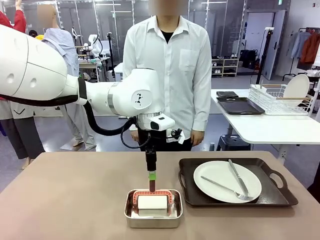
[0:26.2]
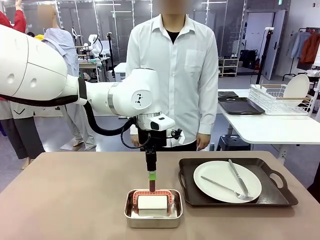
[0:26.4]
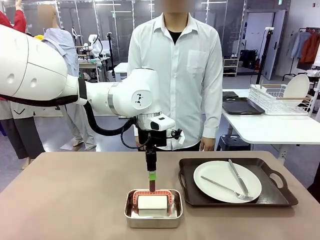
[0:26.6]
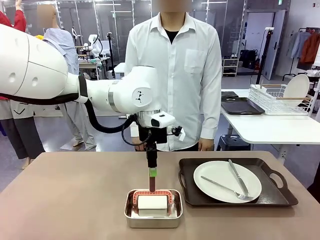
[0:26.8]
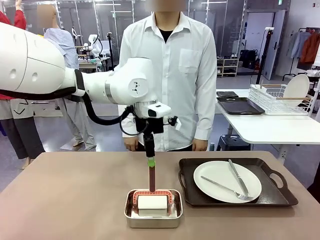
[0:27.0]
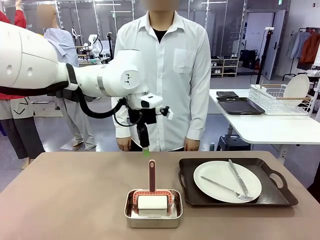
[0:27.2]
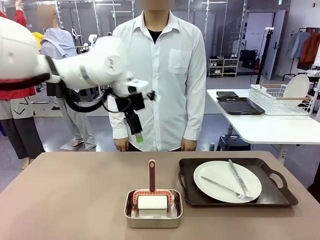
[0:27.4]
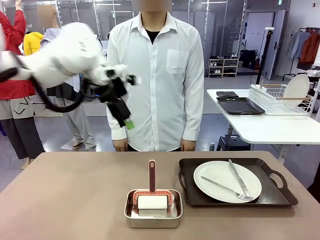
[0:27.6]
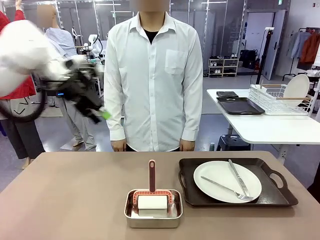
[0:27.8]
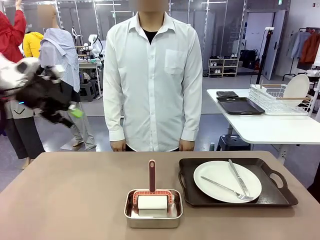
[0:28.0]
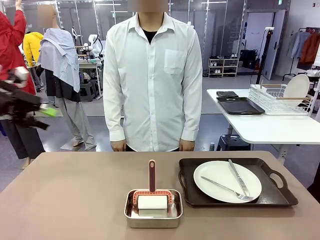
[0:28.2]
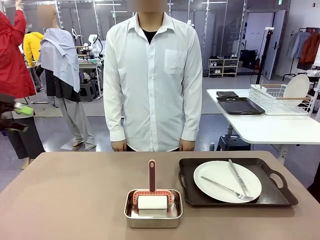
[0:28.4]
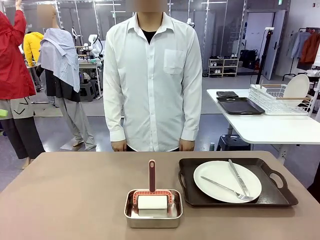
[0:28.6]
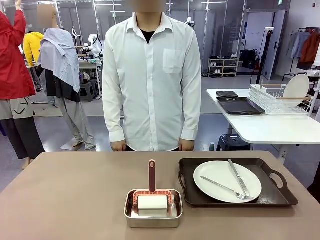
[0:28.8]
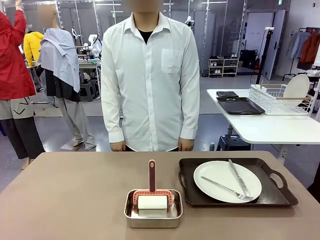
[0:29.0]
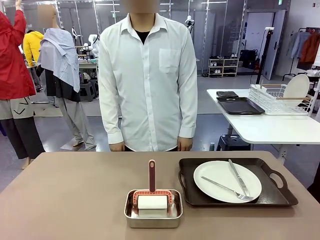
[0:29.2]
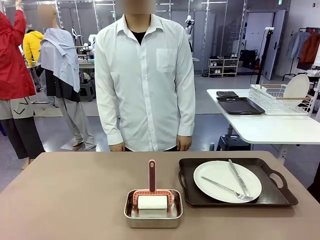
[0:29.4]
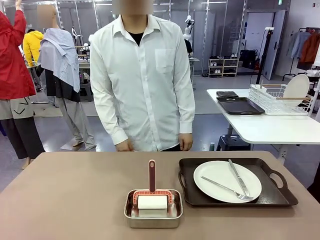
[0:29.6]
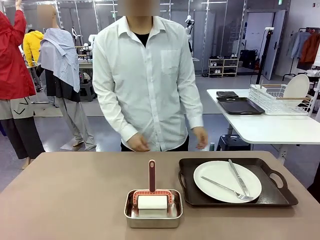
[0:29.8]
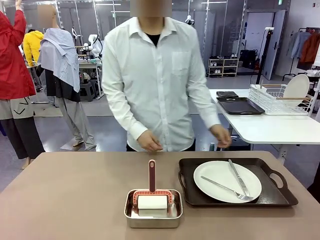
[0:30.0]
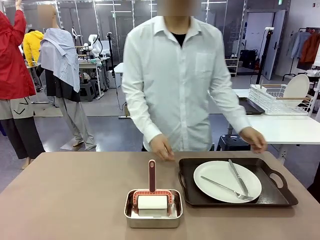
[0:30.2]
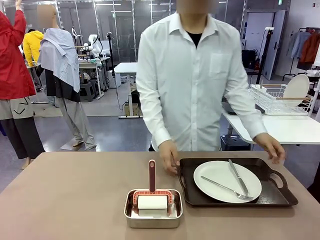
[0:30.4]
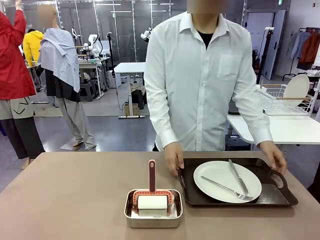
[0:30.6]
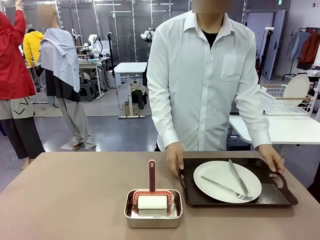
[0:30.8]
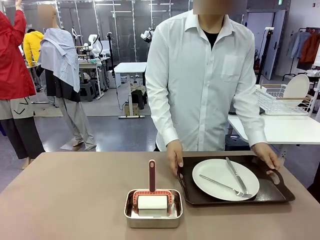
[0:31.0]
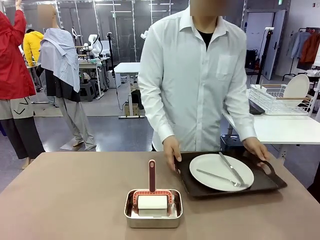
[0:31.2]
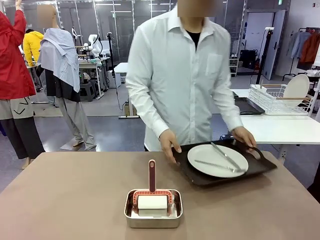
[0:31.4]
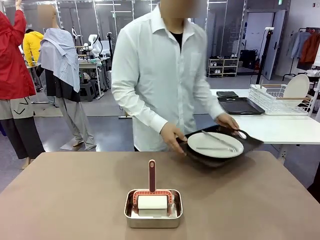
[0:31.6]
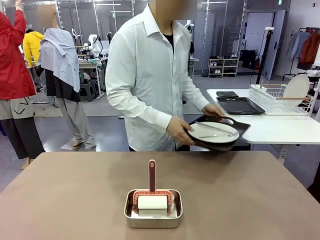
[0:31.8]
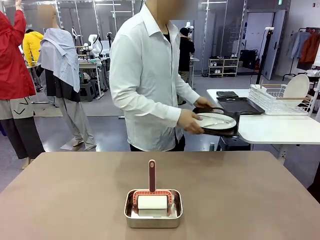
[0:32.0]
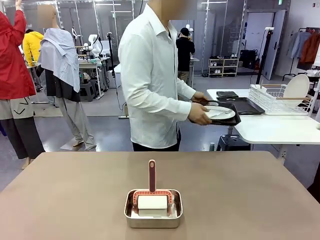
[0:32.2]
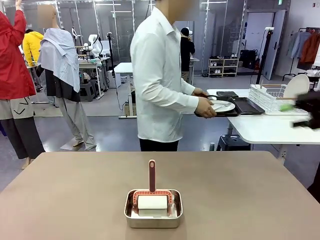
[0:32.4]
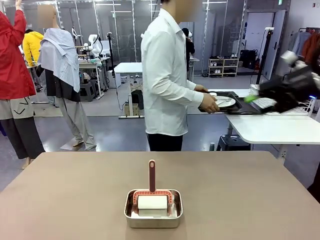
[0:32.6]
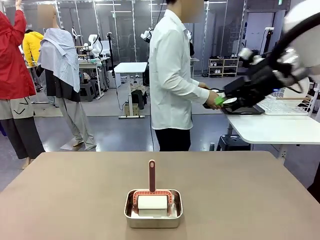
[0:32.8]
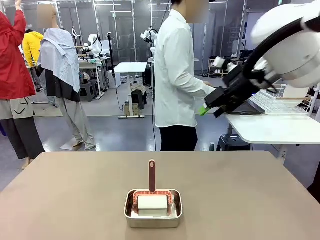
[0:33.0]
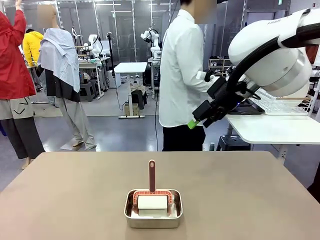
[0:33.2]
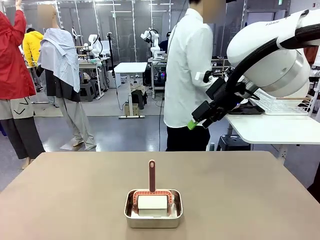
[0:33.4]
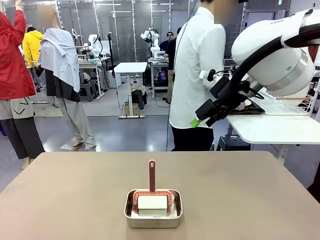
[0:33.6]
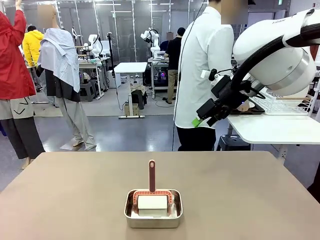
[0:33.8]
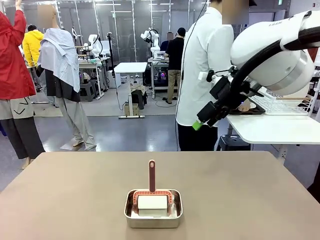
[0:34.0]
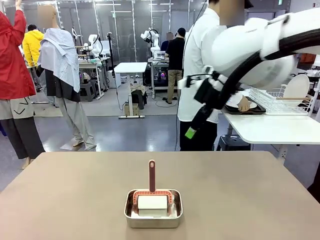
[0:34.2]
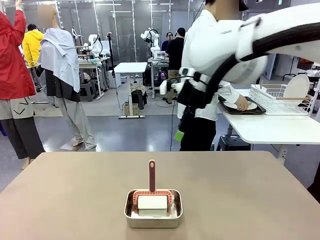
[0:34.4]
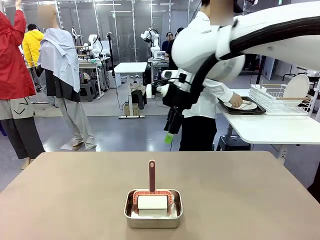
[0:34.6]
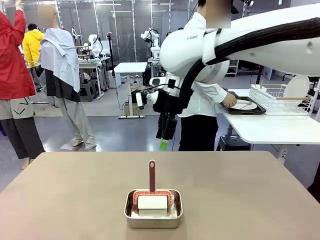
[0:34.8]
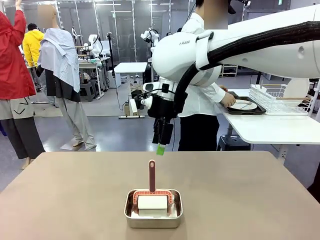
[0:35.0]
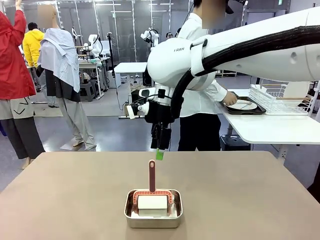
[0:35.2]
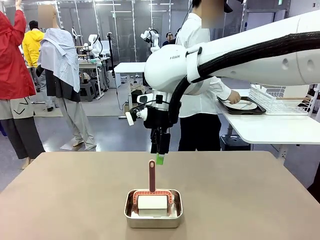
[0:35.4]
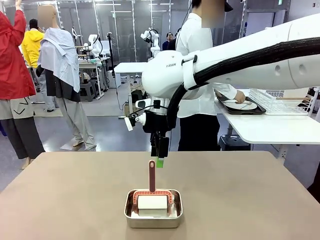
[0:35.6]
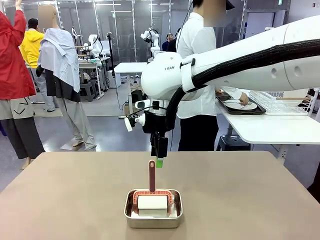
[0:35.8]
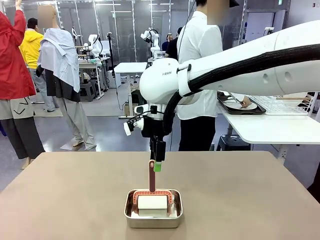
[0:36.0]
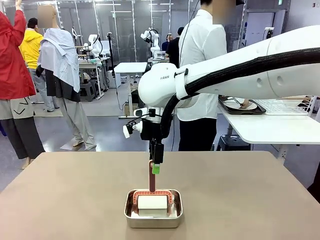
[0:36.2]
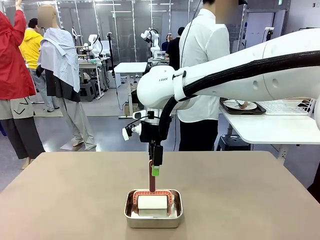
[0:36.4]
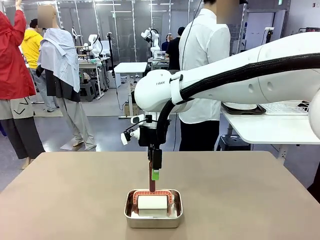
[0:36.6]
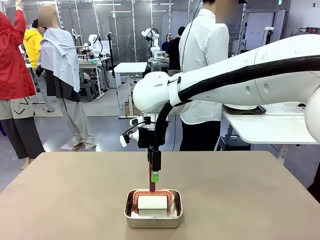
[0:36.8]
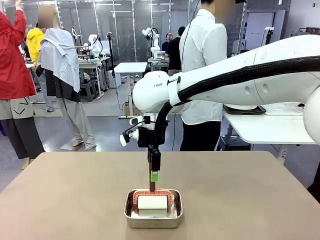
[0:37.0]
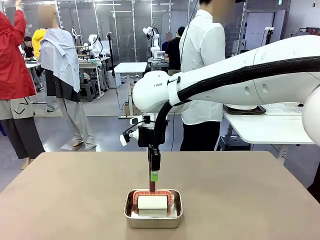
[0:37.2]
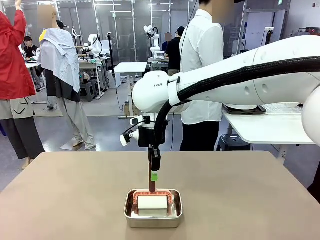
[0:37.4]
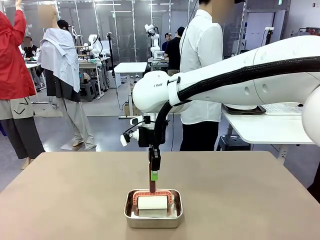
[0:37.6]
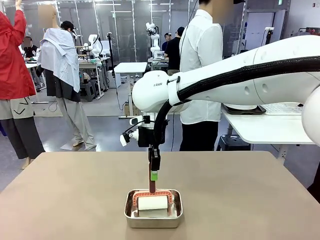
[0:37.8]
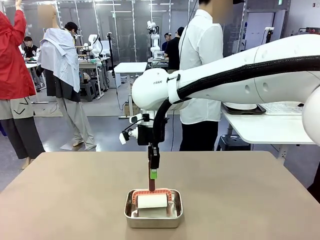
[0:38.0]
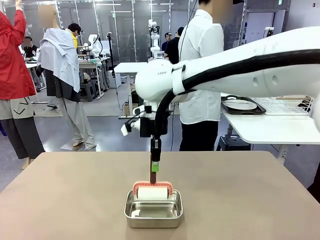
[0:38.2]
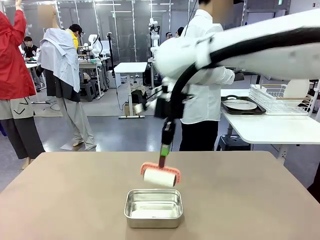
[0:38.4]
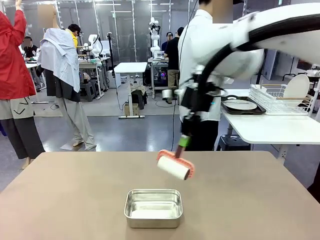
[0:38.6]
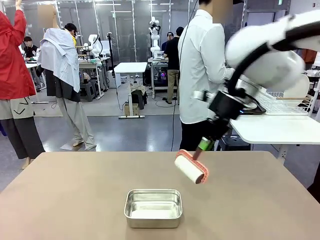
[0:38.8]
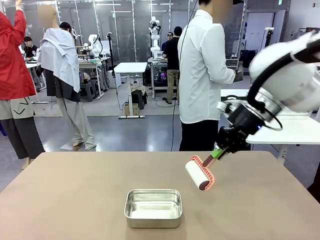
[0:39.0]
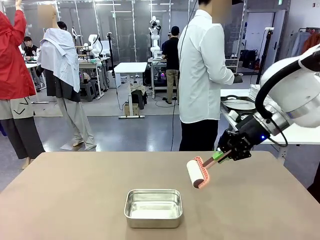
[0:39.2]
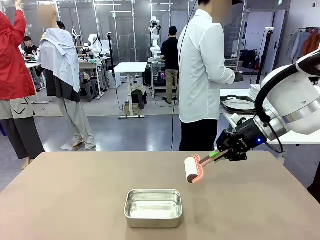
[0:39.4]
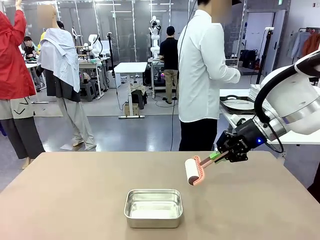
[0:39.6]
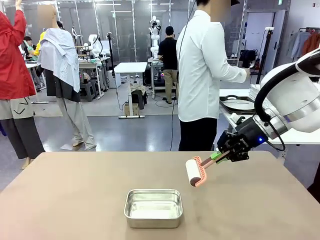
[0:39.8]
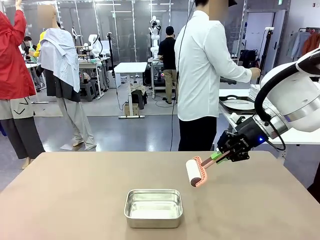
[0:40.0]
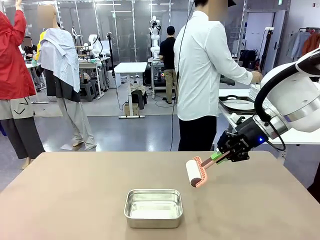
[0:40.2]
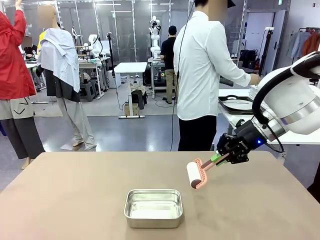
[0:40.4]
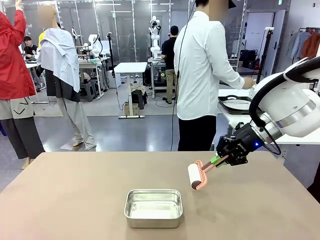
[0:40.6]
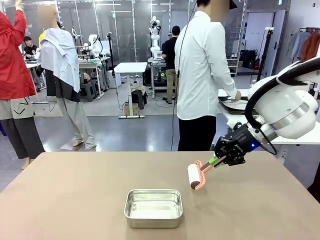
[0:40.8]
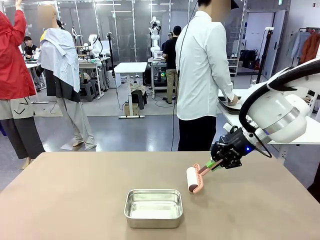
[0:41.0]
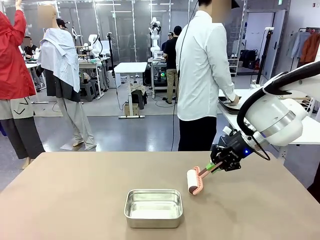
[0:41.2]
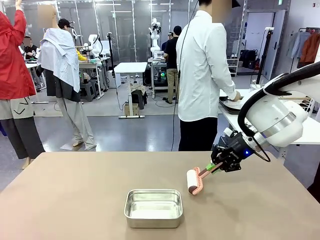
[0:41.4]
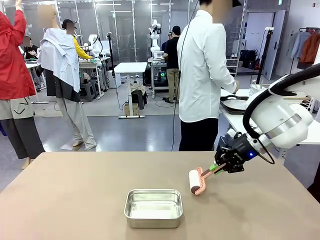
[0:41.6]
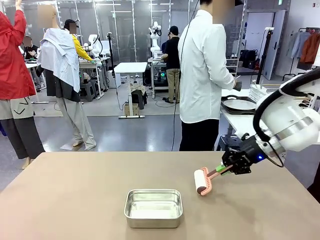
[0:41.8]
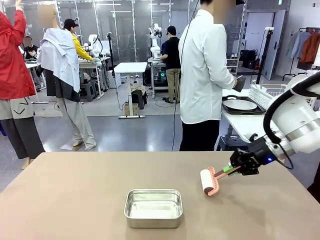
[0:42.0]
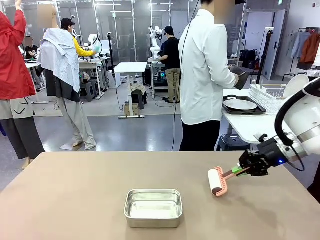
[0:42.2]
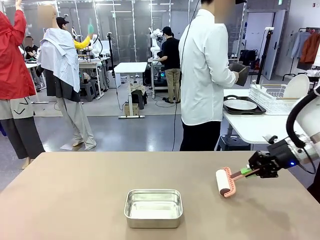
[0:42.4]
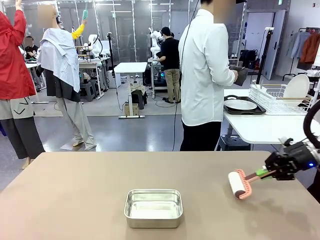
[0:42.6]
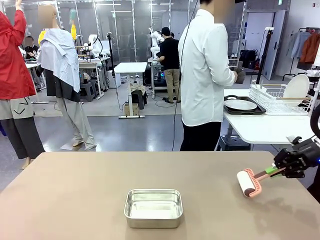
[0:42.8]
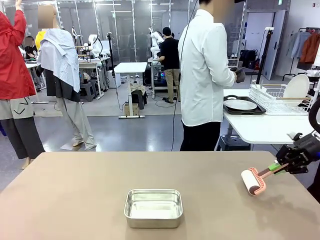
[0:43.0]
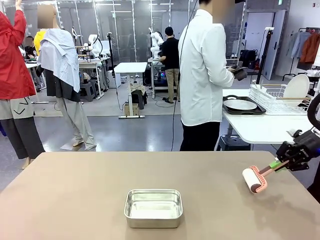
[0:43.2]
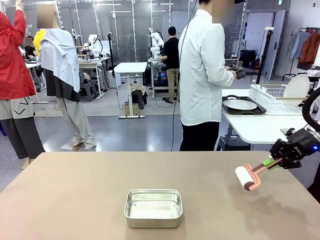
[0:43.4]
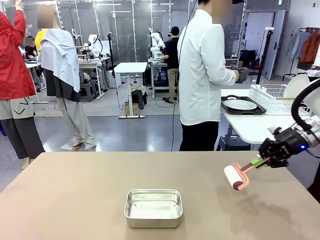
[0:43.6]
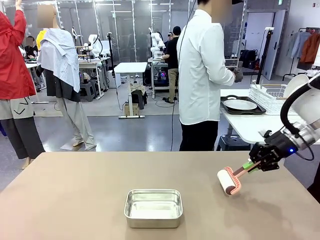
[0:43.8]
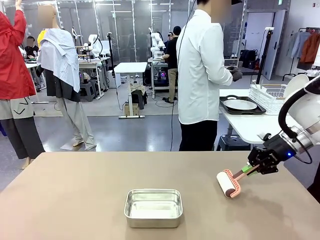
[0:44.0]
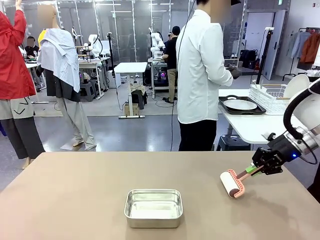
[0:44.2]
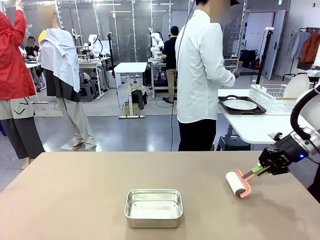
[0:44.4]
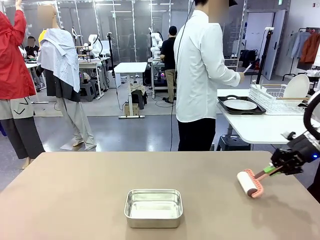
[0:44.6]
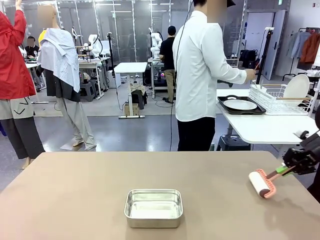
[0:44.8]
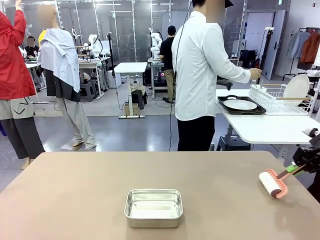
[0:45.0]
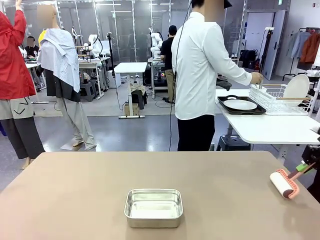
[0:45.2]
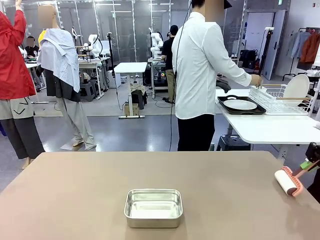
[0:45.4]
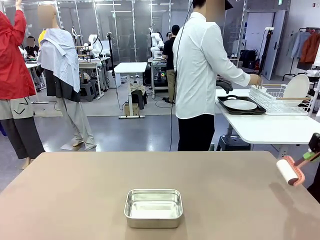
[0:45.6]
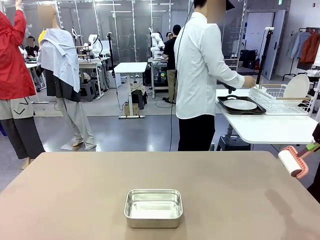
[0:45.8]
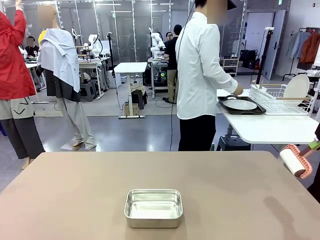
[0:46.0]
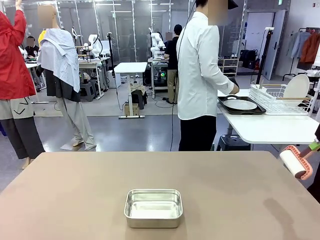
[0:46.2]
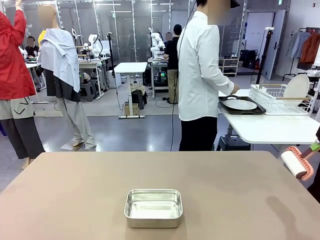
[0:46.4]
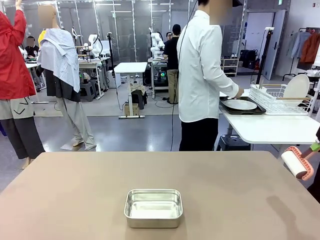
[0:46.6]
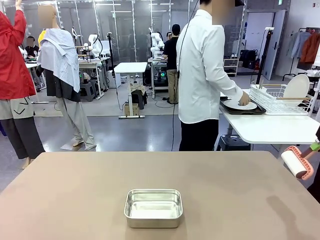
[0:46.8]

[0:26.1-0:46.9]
Robot: When the right (or left) Handle tray is removed, use the right hand (or left hand) to clean the right (or left) side of the table with the Lint Roller.
Person: Pick up the left (or right) Handle tray and place it on the Handle tray. Use the Towel with hook to wipe the Plastic Matte Plate , Fork , and Knife and place into the Dish drying rack.

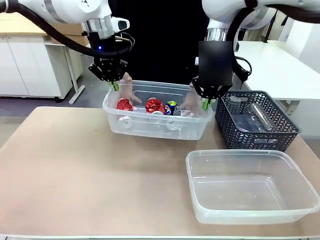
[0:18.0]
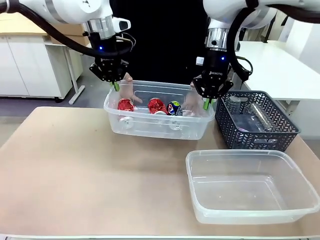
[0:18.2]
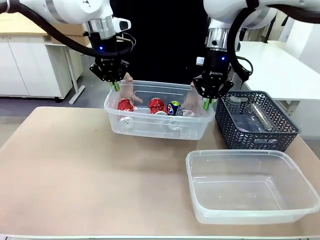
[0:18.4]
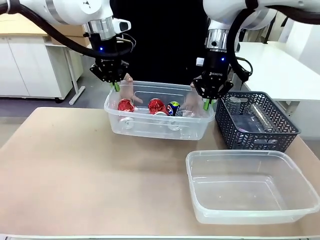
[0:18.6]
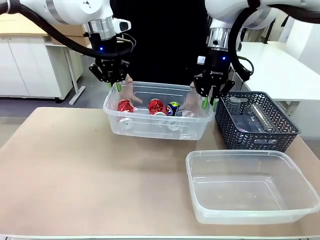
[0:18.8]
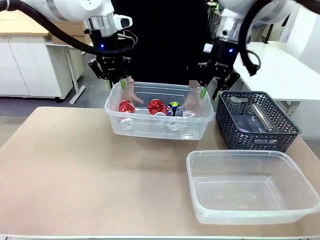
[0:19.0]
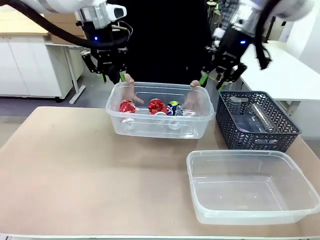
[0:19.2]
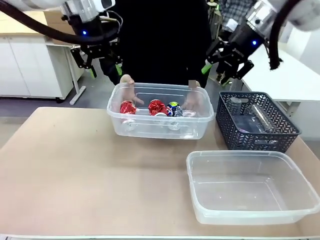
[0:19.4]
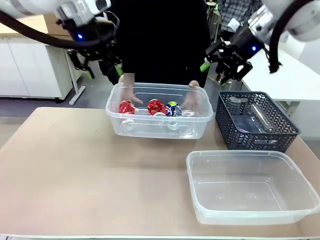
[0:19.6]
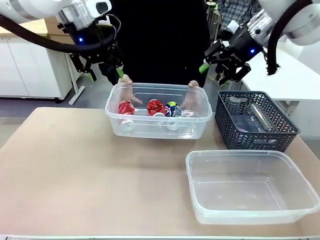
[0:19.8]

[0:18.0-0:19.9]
Robot: Release the Organizing box you were holding.
